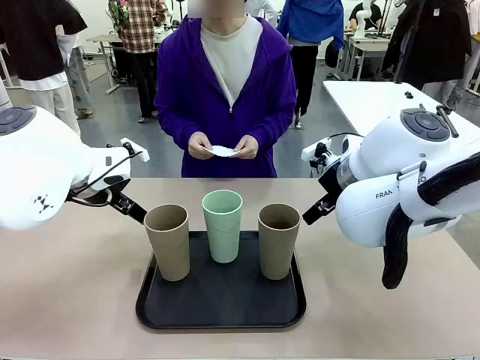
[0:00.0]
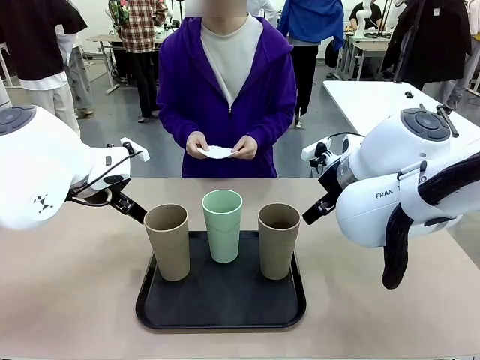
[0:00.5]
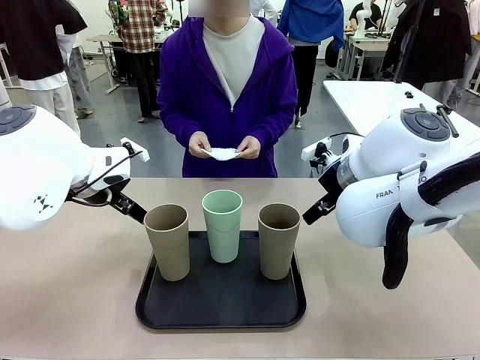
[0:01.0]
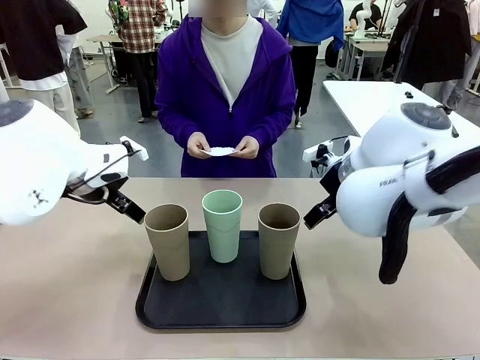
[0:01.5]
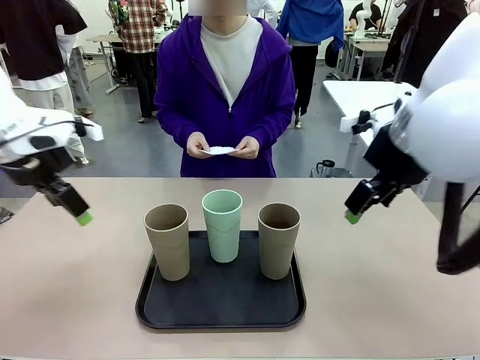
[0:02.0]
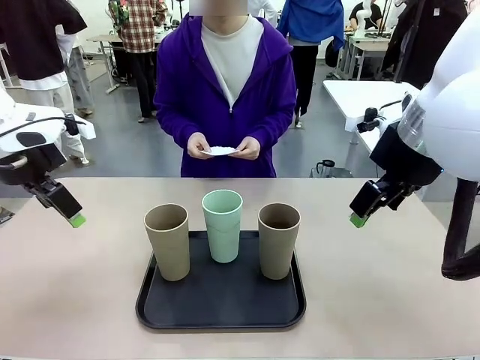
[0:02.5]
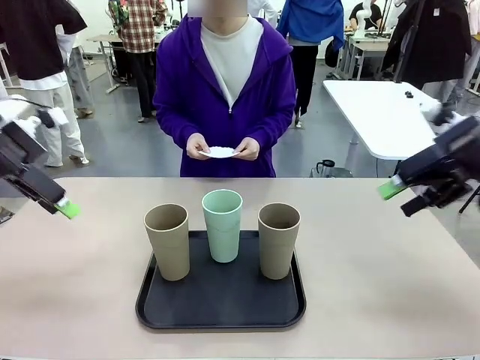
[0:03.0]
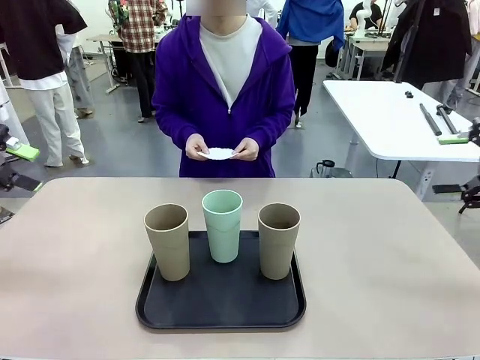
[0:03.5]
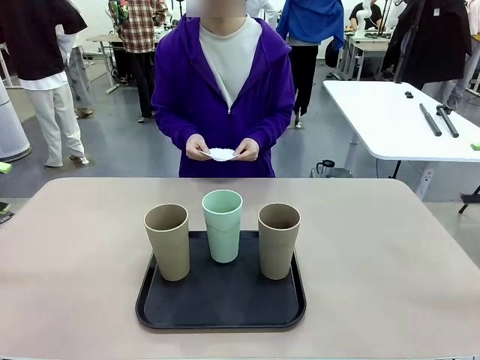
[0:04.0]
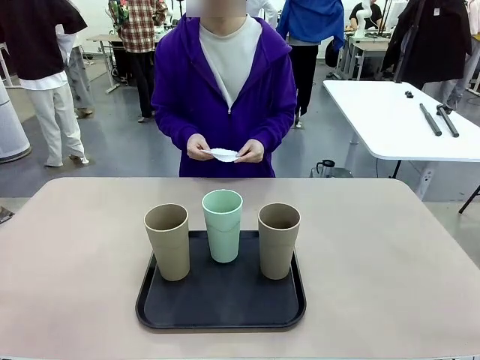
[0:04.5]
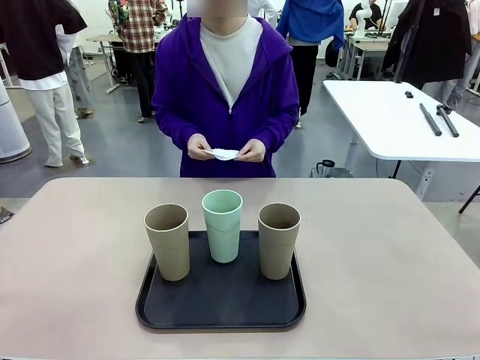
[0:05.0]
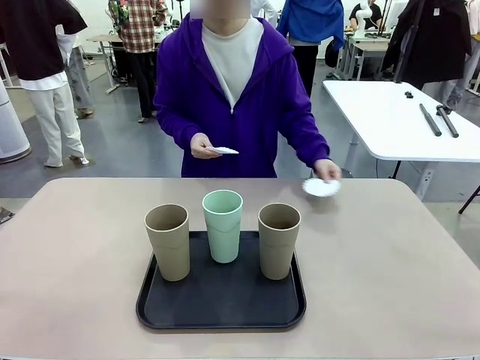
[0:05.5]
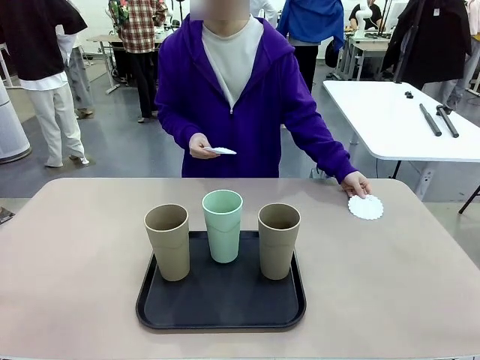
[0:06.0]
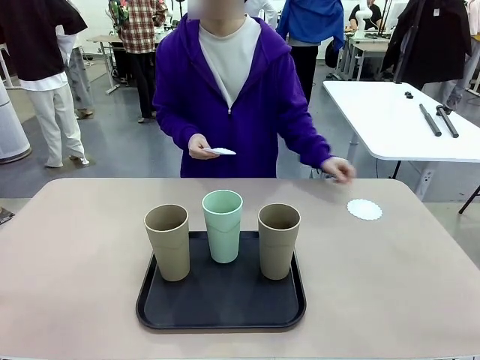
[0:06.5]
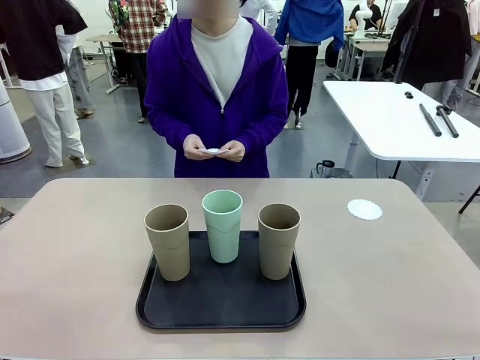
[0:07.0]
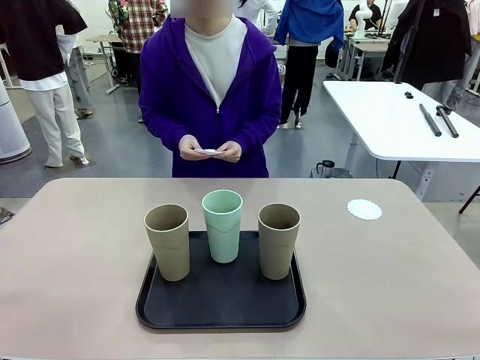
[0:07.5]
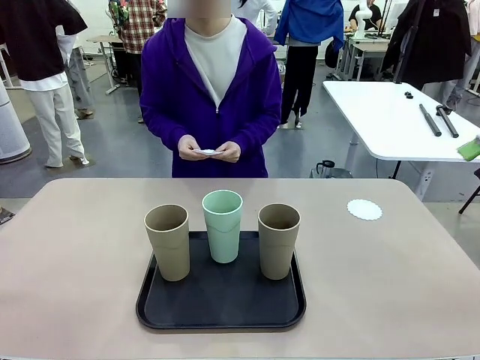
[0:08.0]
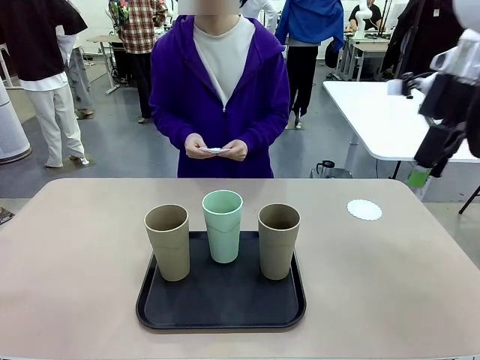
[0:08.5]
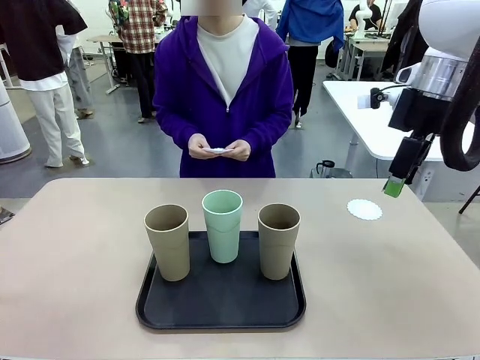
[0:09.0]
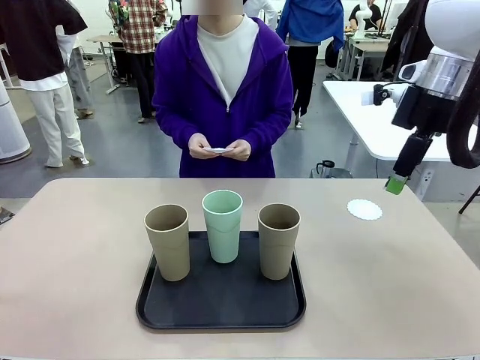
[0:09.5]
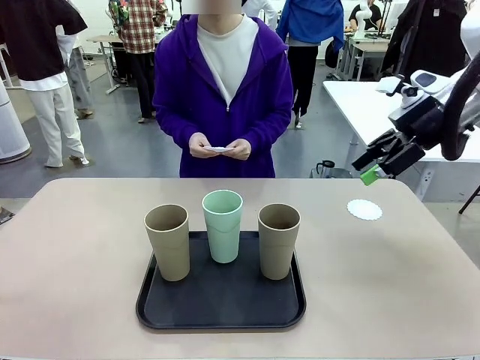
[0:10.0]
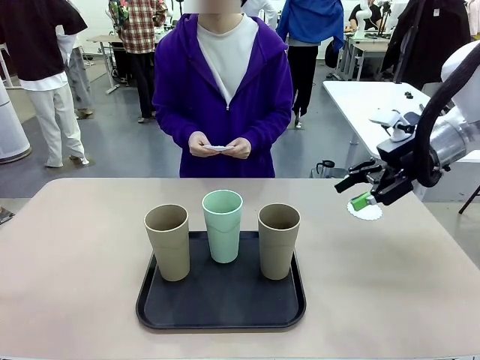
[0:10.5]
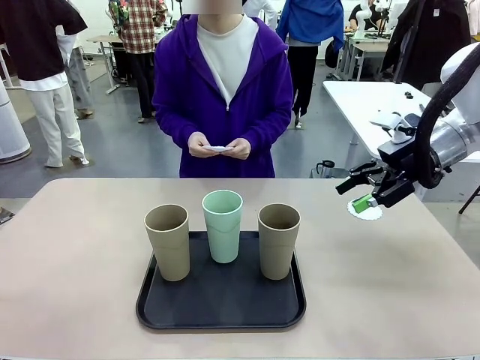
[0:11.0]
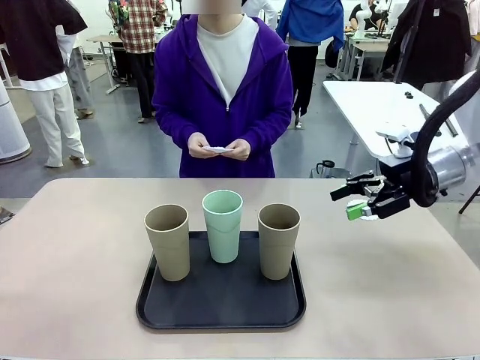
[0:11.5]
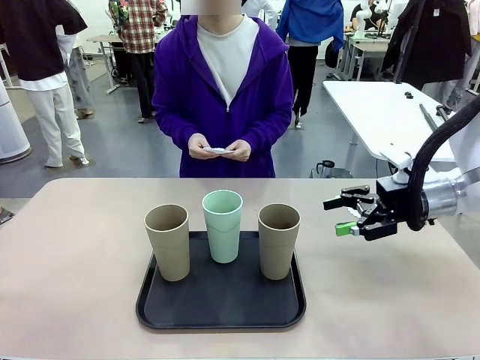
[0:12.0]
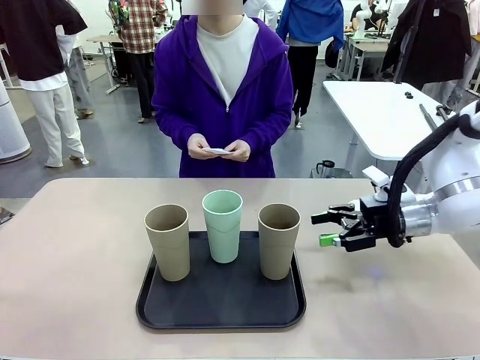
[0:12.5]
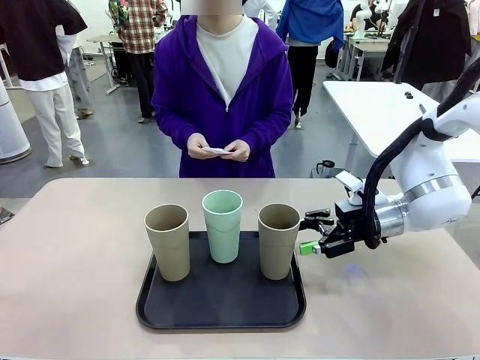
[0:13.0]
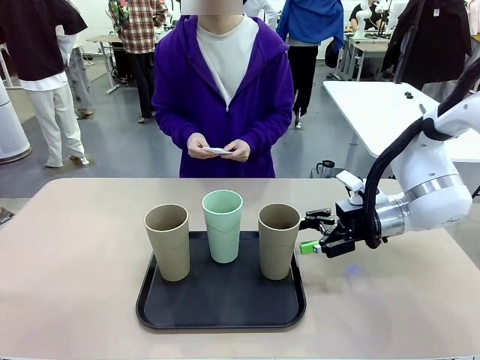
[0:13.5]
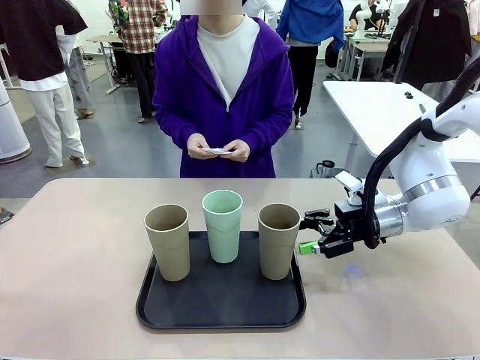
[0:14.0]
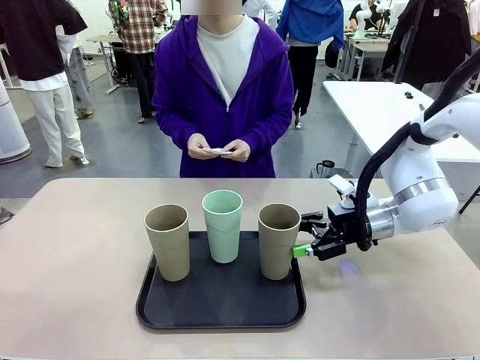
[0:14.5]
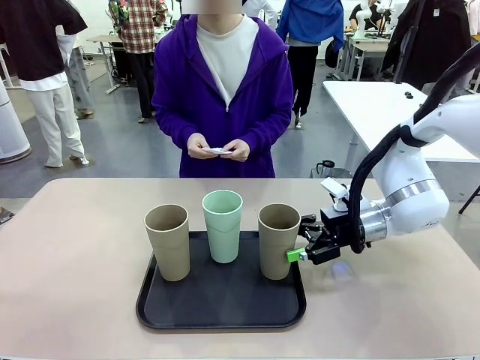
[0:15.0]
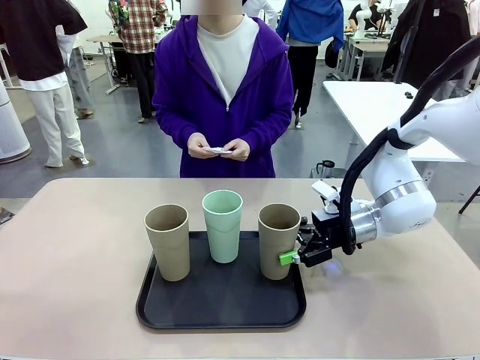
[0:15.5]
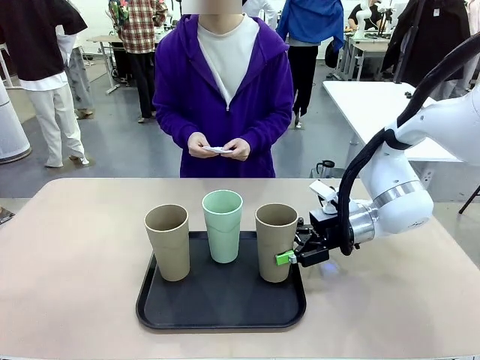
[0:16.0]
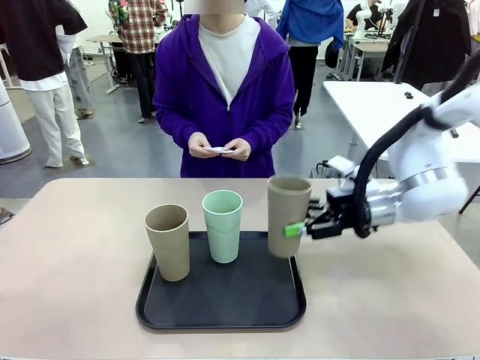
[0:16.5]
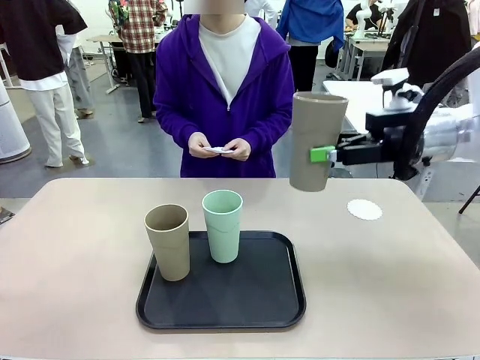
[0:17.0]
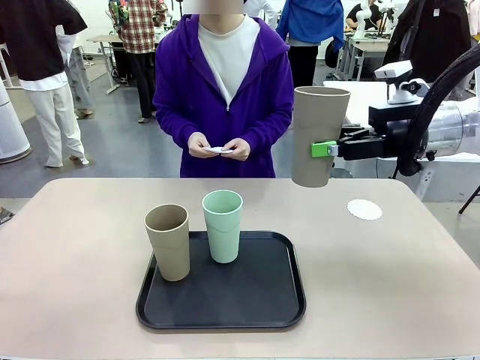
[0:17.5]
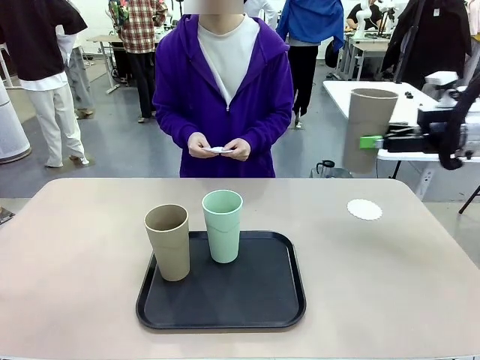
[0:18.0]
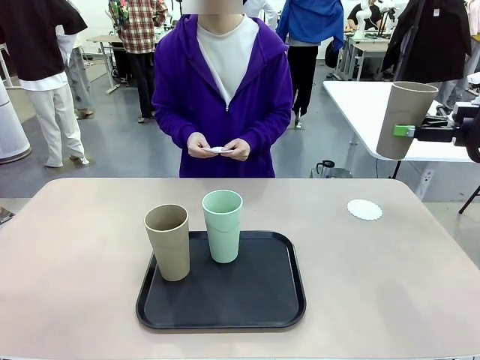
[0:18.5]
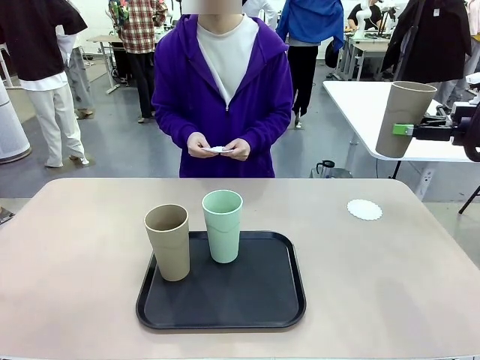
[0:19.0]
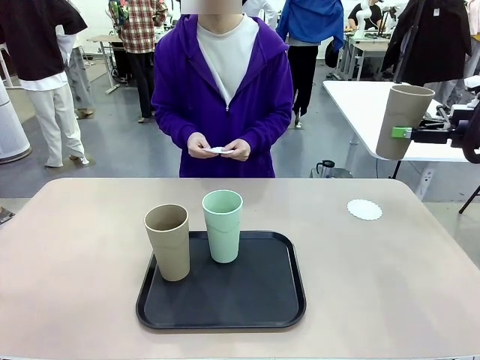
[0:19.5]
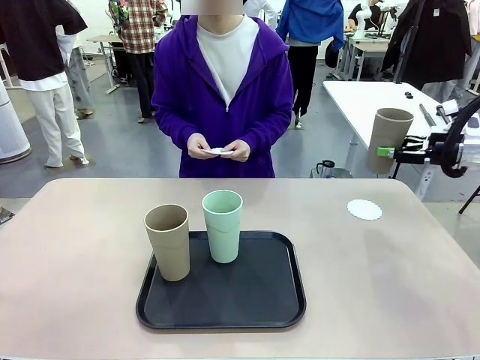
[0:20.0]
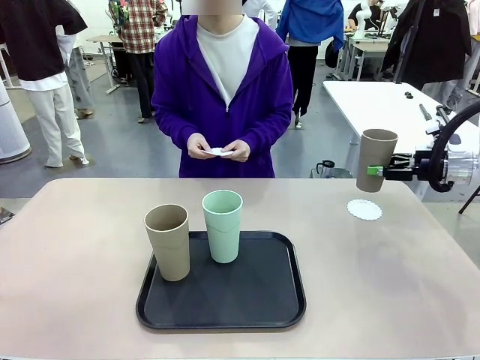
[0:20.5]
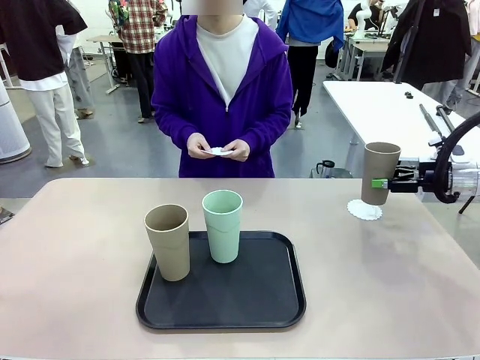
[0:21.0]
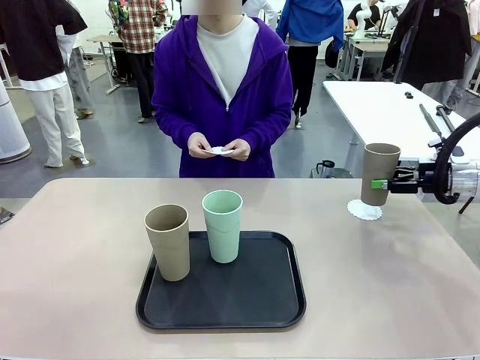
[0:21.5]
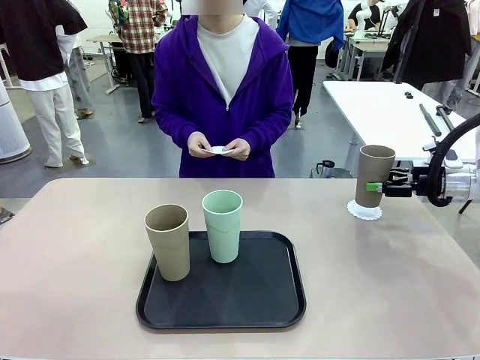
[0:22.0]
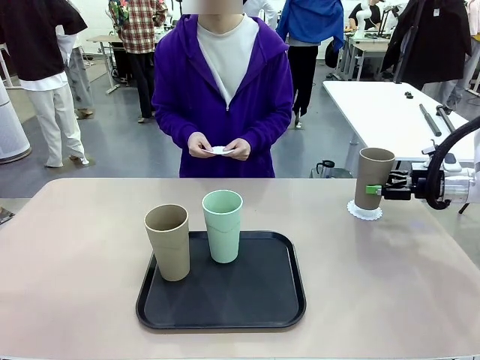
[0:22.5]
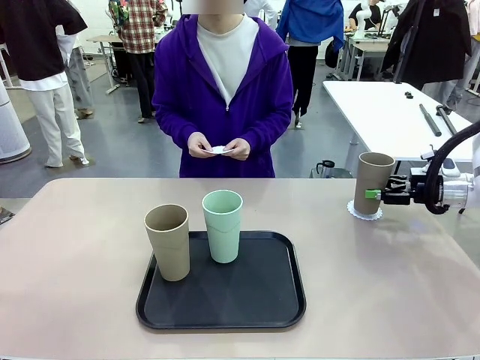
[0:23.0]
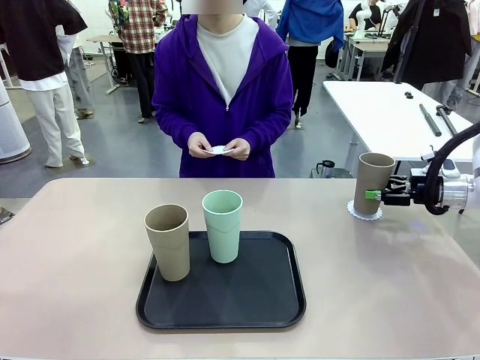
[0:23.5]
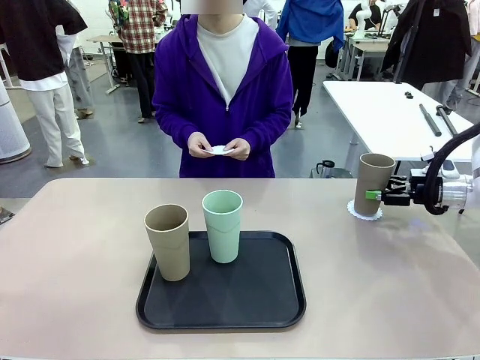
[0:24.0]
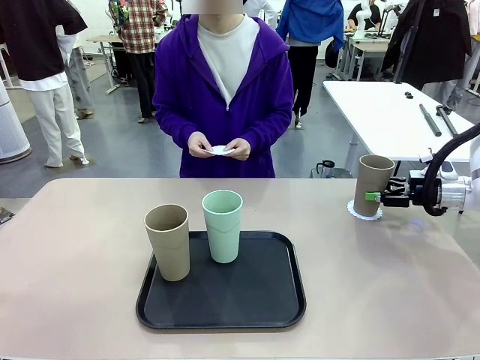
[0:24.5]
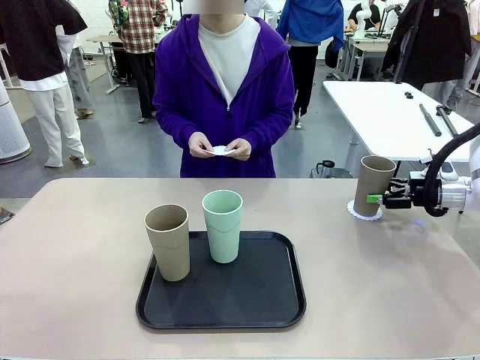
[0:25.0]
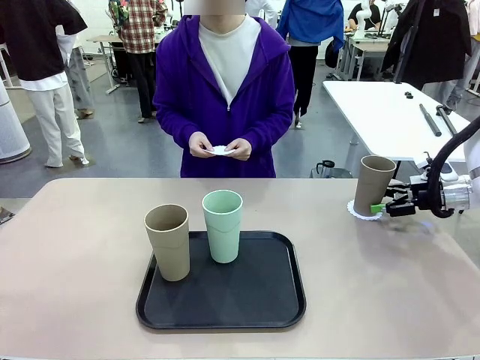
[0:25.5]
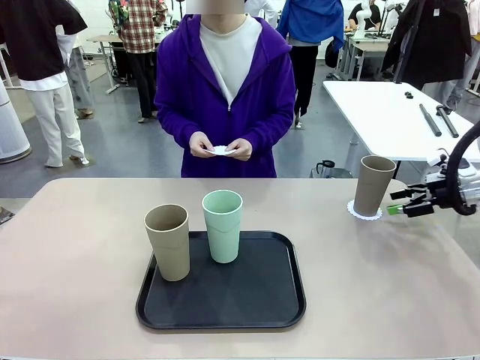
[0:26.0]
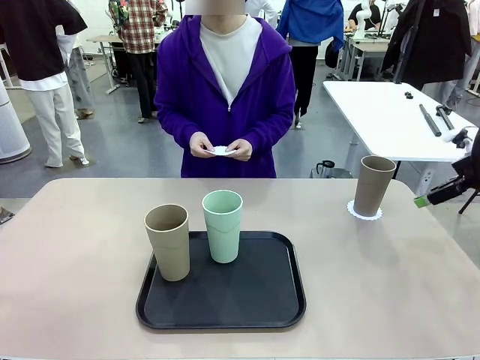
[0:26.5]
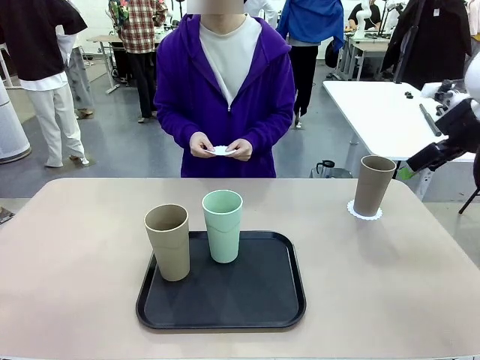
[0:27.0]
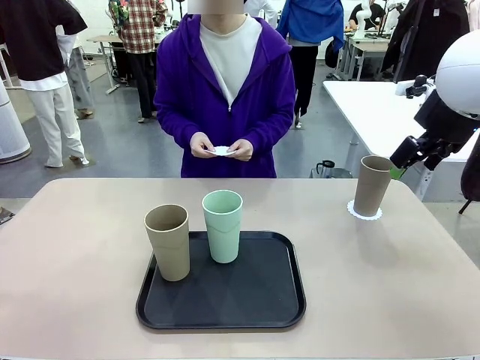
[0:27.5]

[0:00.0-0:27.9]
Task: Place coasters on the table and set cups on them.
Robot: Pick up one Reusable plastic cup and place it on a coaster set by the human.
Person: Place one coaster in any one of the three lower areas of the robot table (left, center, or right). Place one coaster in one of the two areas excluding the previously selected area.
